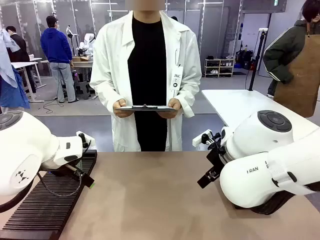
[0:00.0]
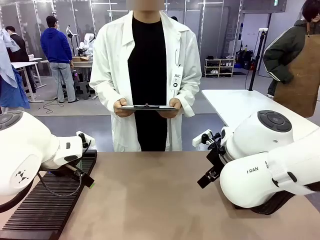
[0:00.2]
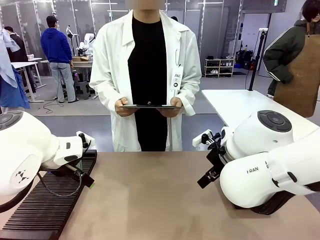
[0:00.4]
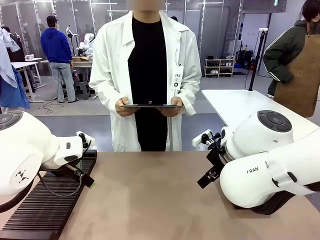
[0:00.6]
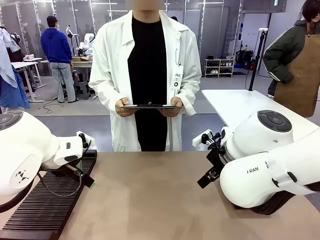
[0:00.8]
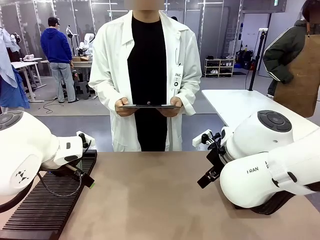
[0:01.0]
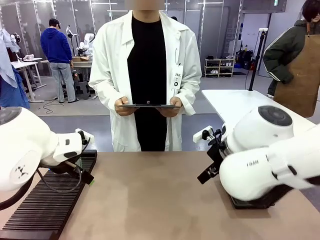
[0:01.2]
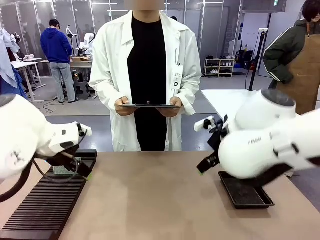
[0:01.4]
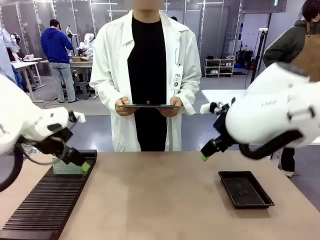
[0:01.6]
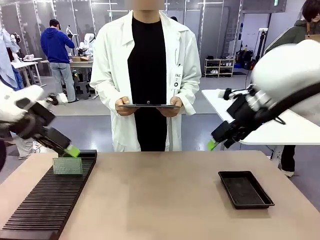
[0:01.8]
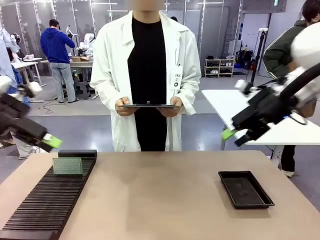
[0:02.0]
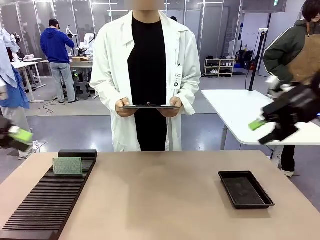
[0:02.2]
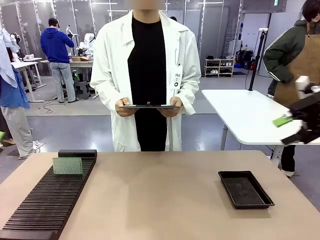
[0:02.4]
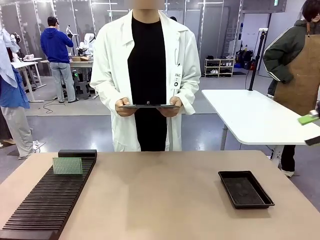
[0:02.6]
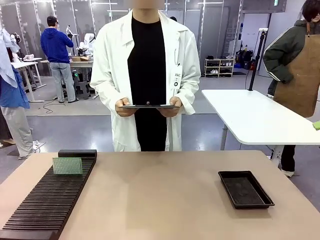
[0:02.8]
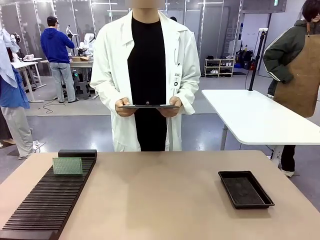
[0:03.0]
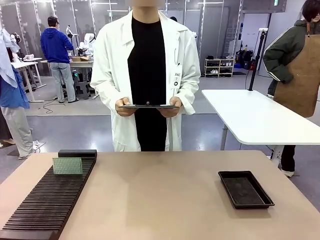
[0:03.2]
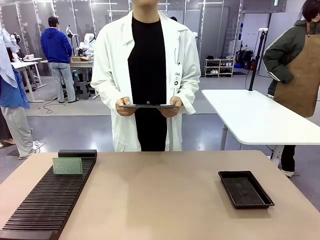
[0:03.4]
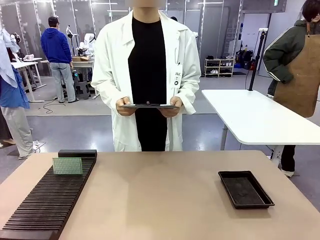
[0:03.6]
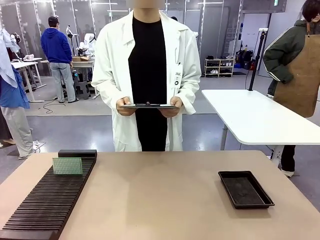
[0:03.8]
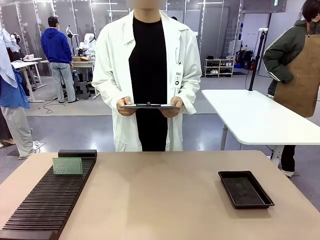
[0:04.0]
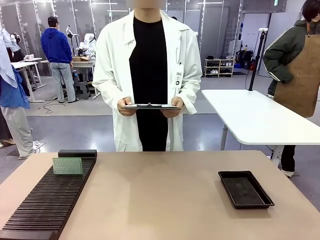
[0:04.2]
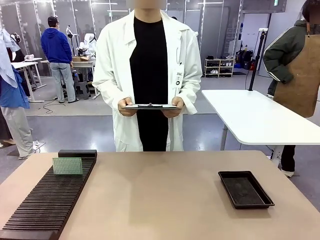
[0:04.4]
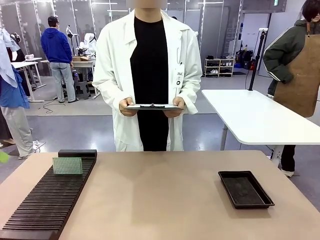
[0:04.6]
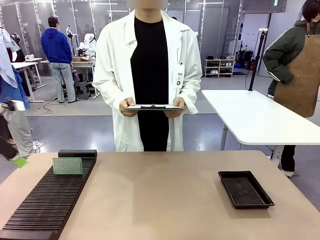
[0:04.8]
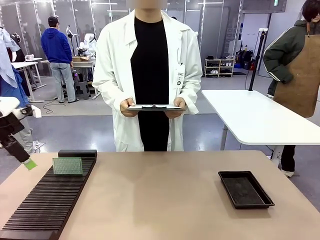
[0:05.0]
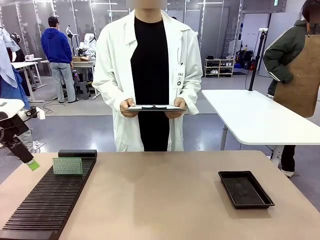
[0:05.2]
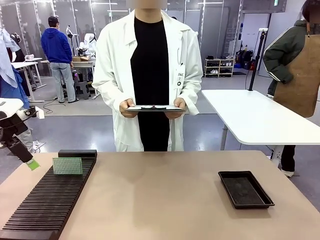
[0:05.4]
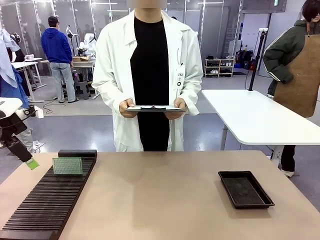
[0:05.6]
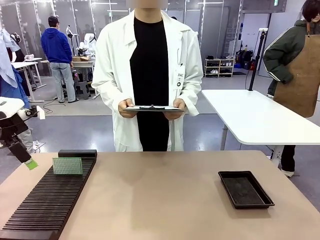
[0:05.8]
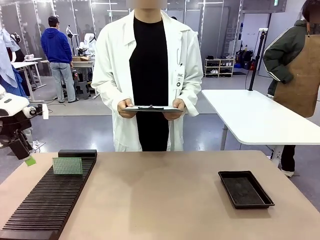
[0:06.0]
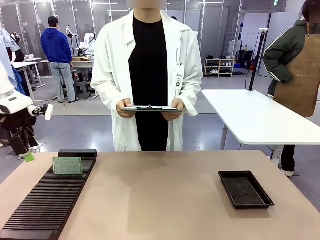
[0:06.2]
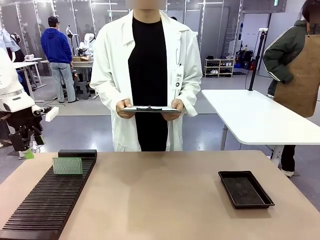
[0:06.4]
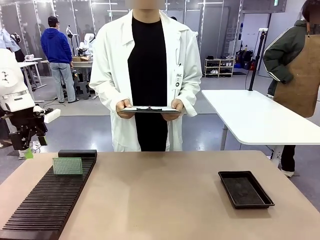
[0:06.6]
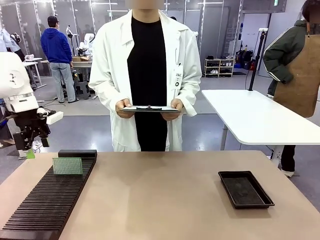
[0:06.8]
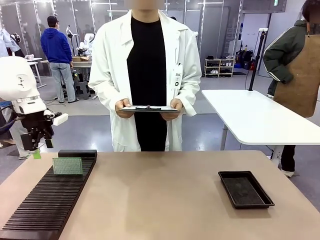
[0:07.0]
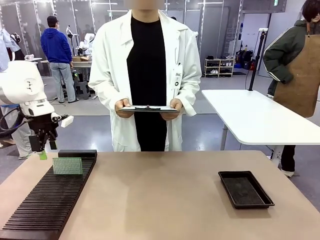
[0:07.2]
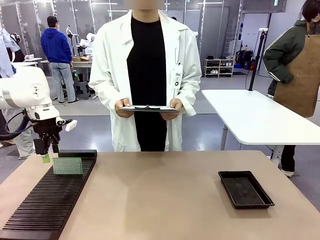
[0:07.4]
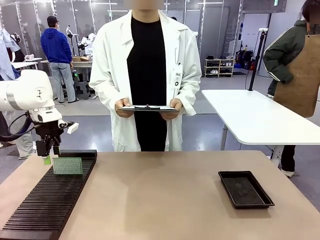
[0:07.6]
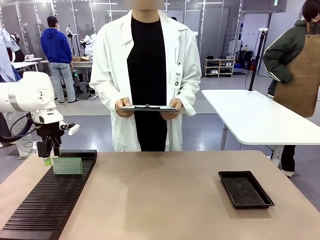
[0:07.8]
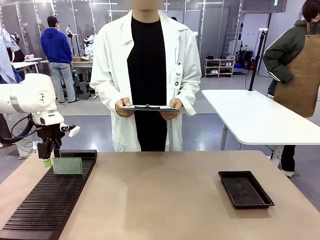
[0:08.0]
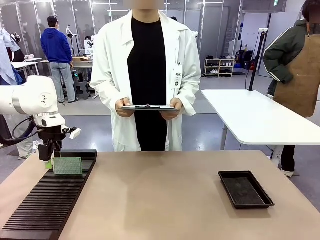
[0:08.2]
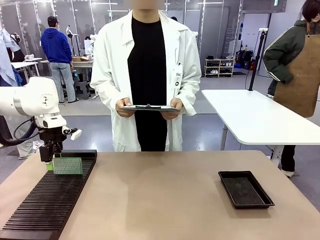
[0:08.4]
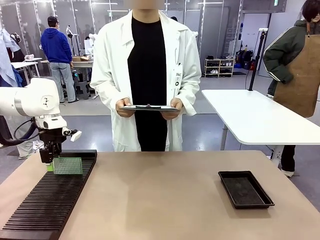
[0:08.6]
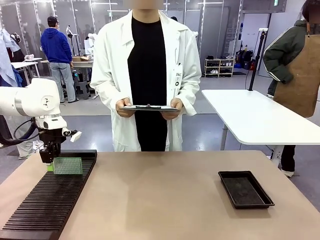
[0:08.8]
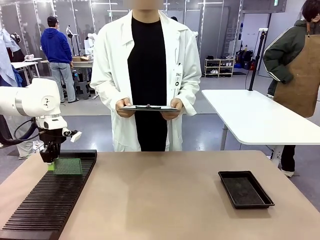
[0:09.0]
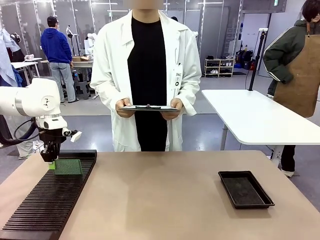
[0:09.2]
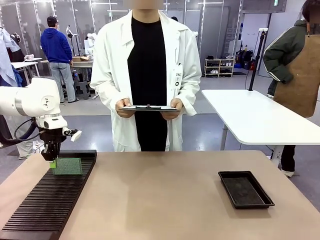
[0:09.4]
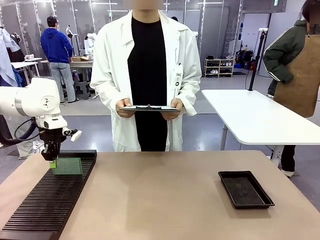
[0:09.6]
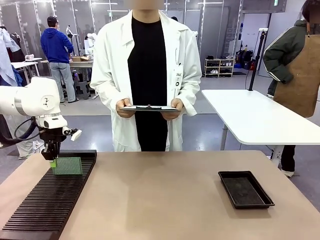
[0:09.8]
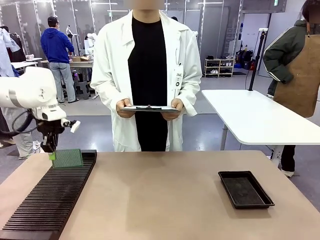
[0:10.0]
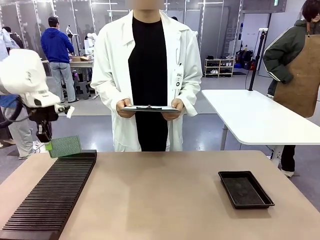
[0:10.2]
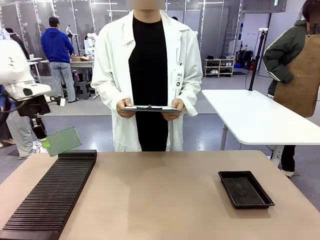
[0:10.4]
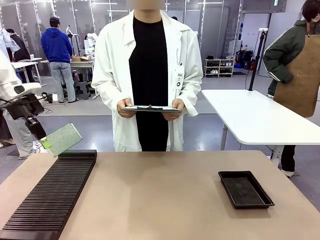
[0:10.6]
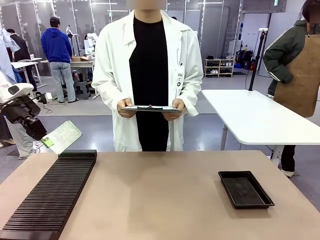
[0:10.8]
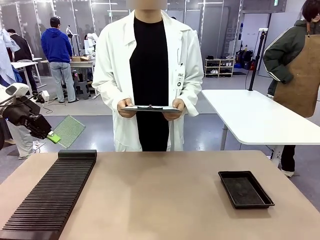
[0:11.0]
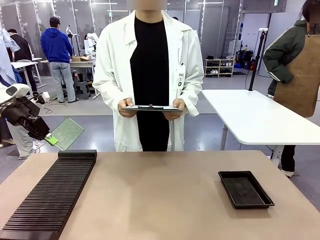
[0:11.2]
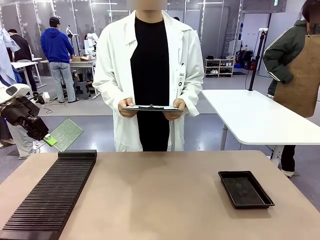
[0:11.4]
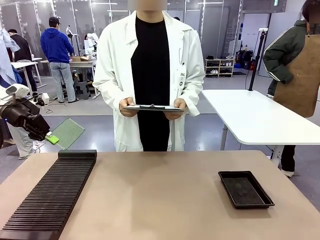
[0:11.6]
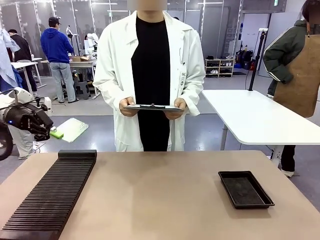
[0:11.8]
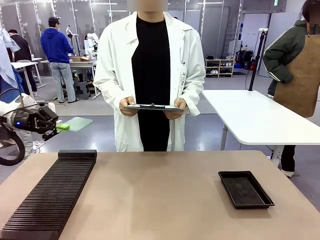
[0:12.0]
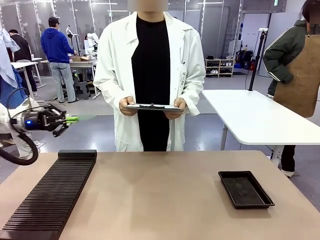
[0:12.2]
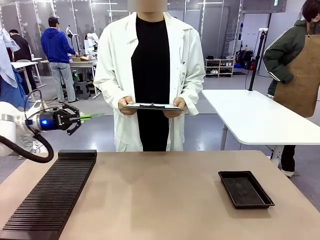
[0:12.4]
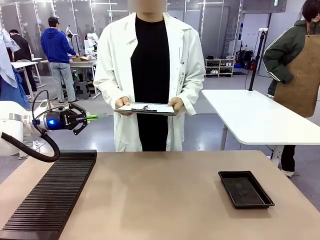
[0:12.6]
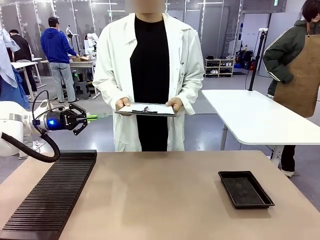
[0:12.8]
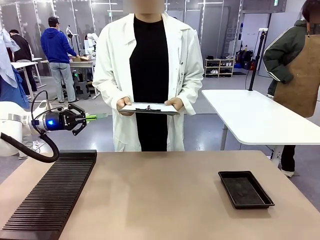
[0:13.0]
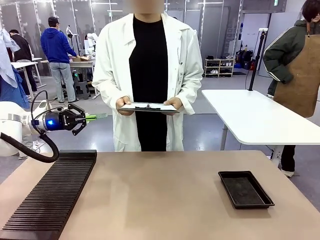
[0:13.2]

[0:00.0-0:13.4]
Task: Inspect the PCB.
Robot: Pick up the Blank PCB and present it to the human.
Person: Pick up the PCB presented by the robot.

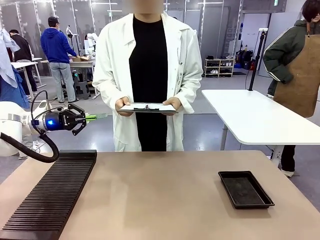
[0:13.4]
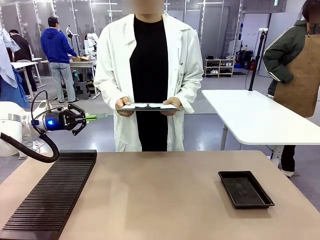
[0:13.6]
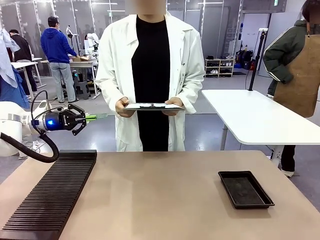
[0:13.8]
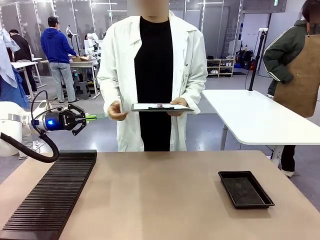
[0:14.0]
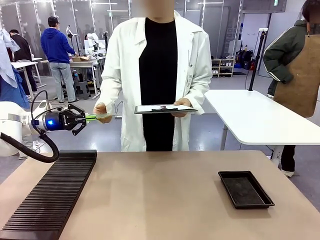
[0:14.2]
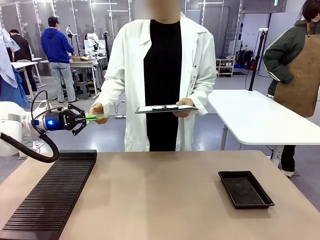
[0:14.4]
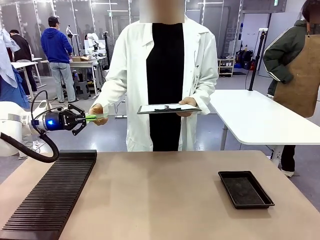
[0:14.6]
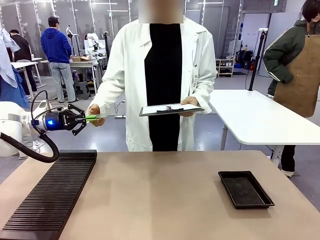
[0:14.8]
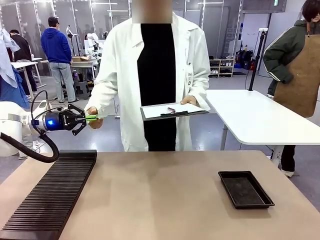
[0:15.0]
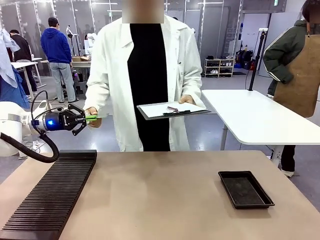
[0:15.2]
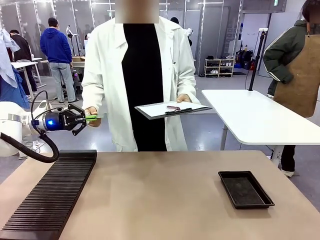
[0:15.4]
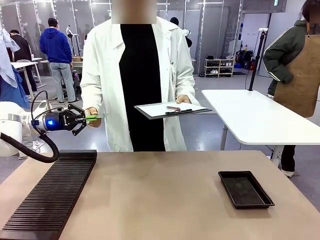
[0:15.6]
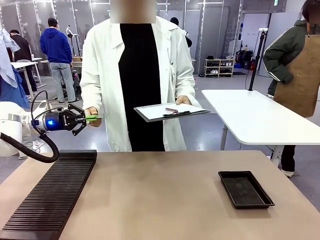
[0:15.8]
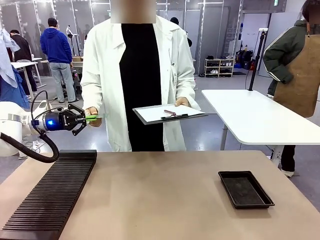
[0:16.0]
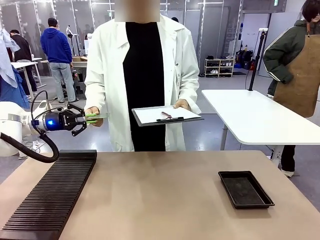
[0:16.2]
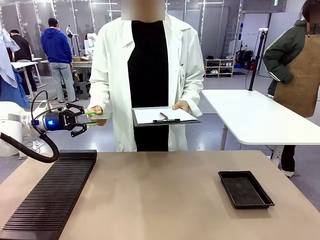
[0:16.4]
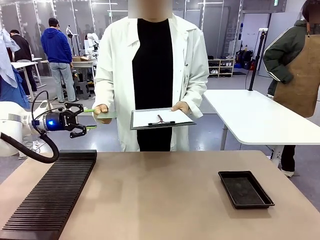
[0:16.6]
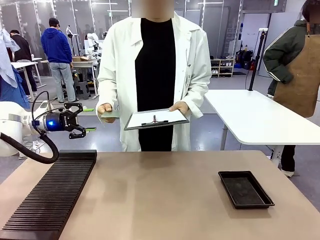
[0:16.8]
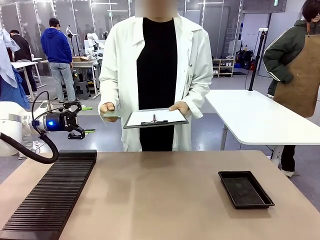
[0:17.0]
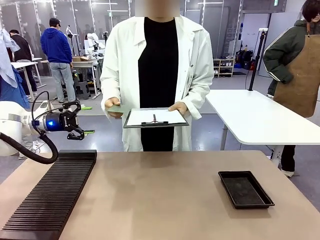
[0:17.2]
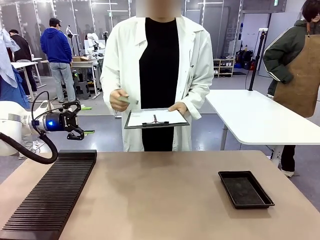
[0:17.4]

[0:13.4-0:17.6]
Robot: Release the Blank PCB you were holding.
